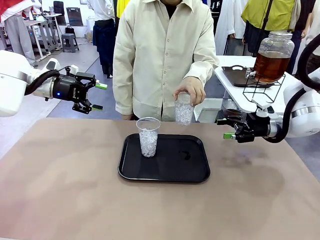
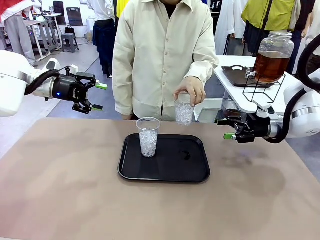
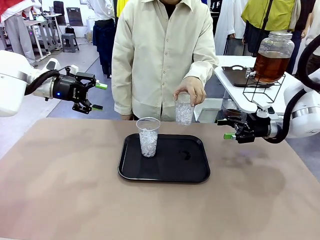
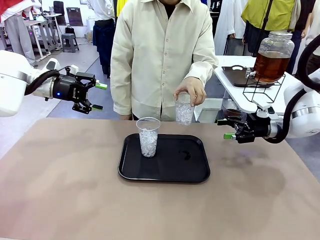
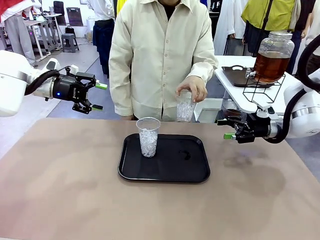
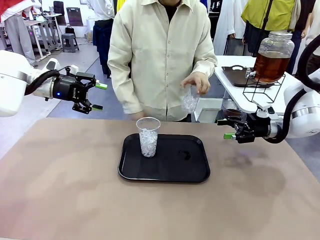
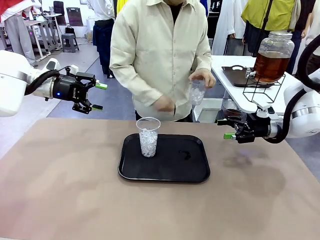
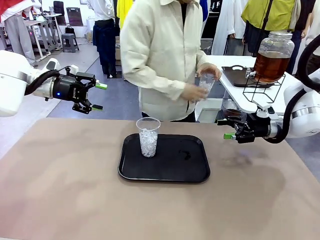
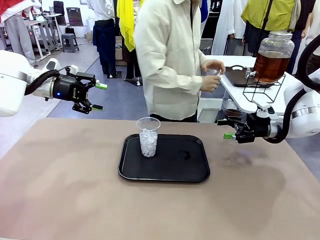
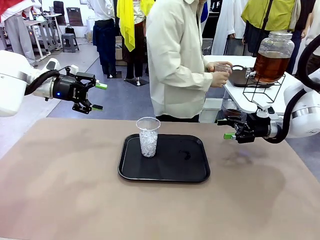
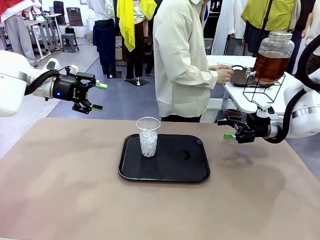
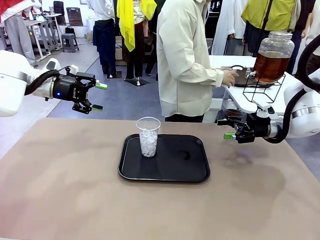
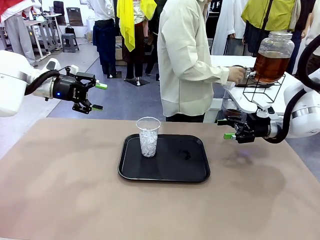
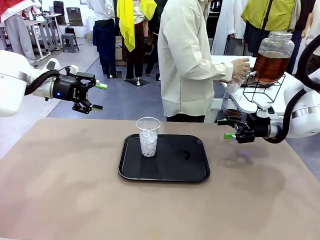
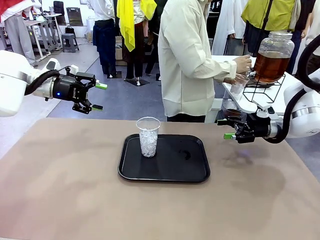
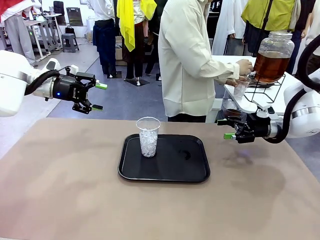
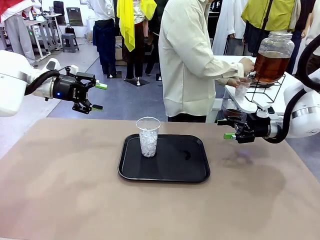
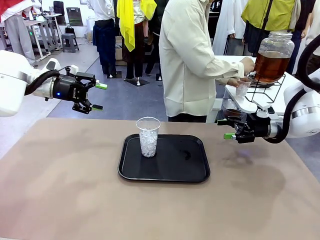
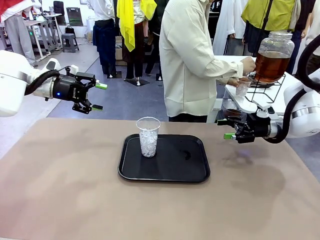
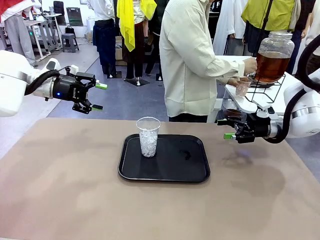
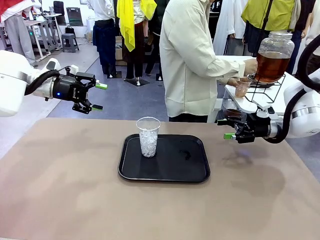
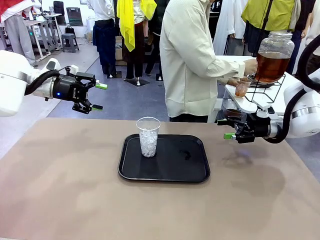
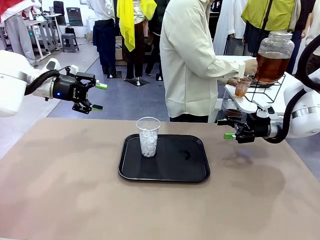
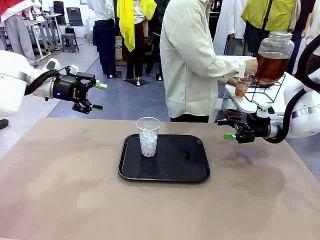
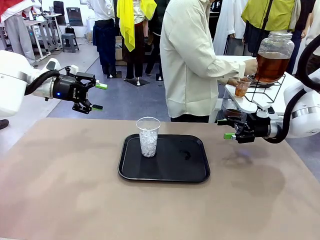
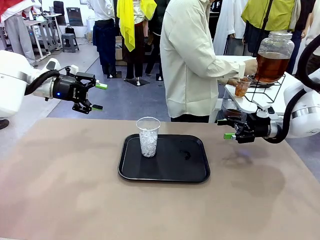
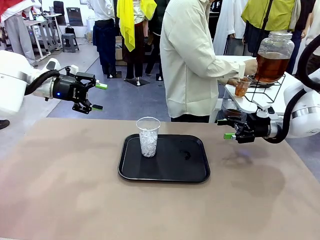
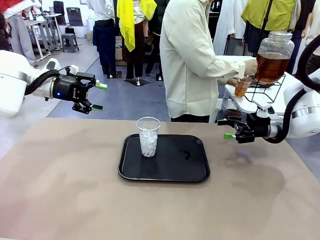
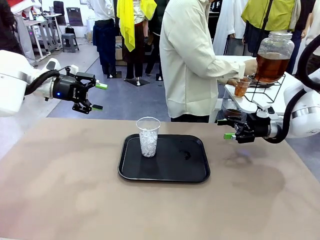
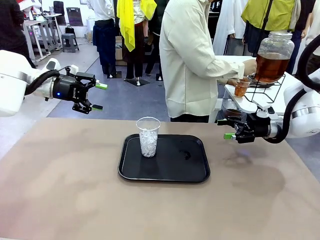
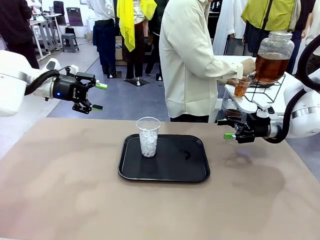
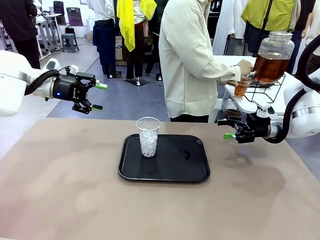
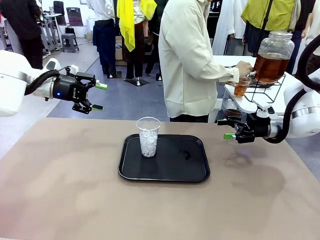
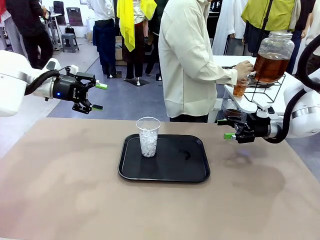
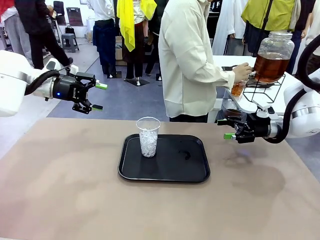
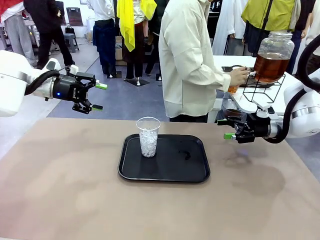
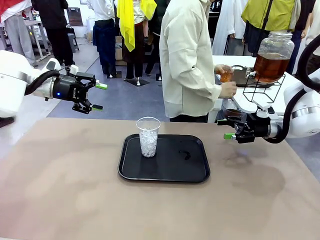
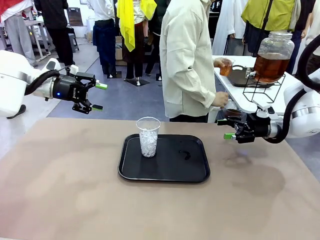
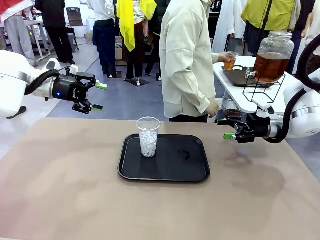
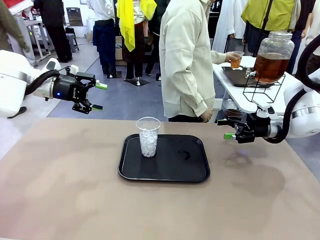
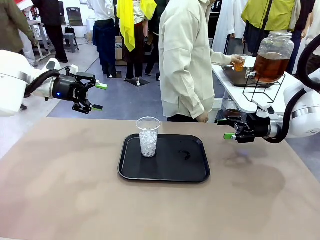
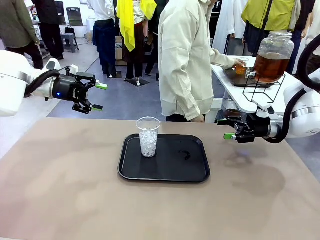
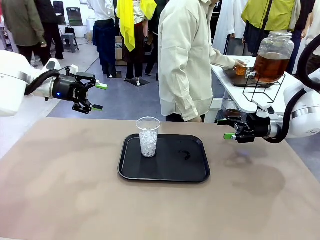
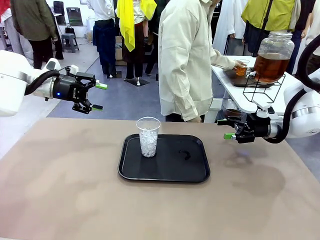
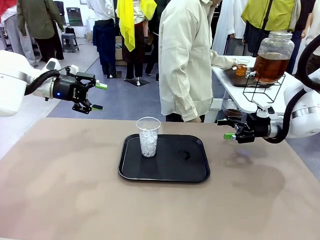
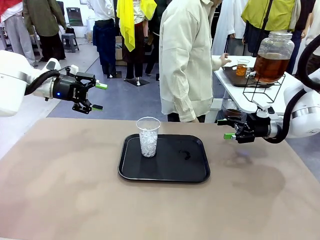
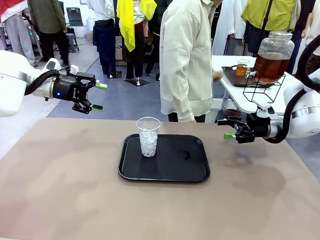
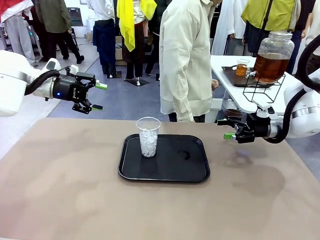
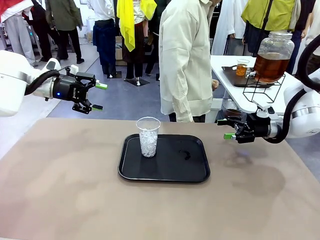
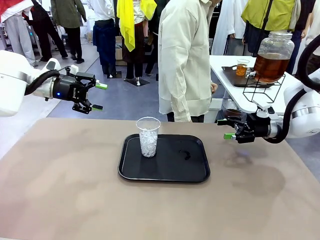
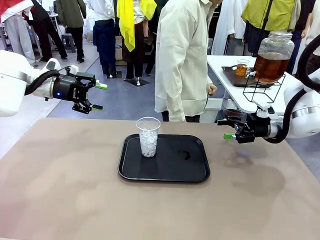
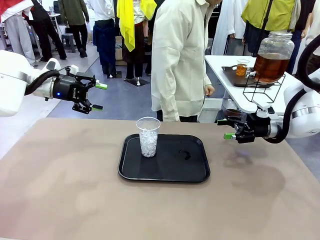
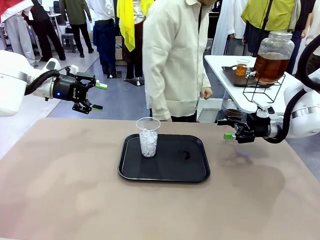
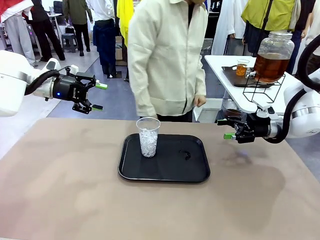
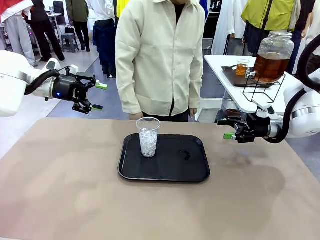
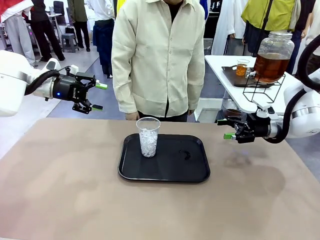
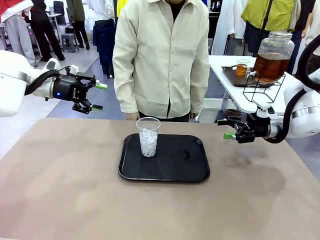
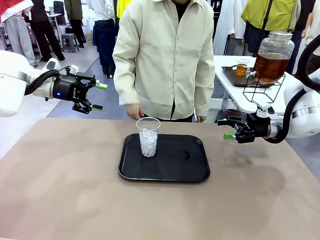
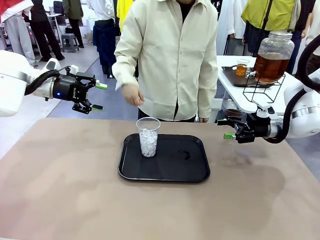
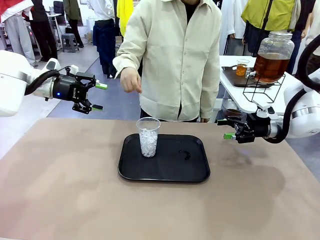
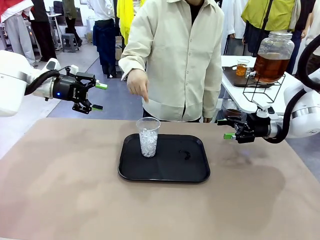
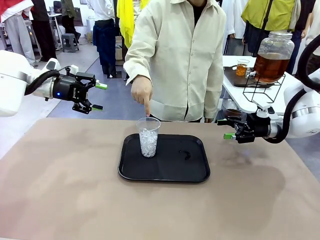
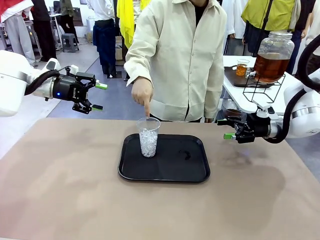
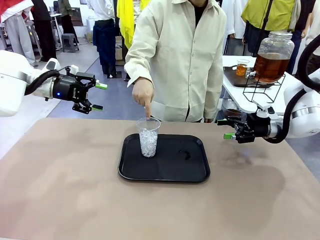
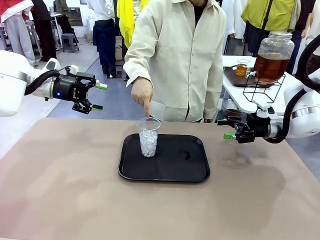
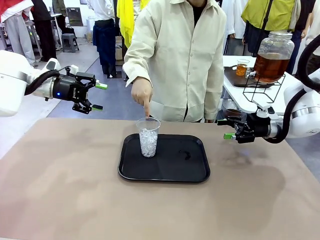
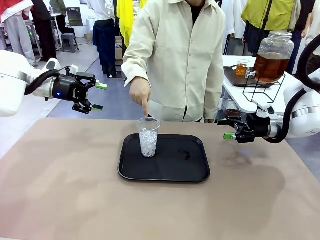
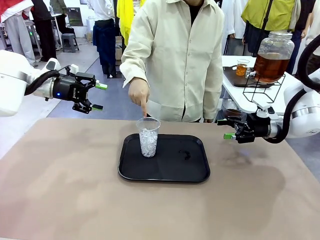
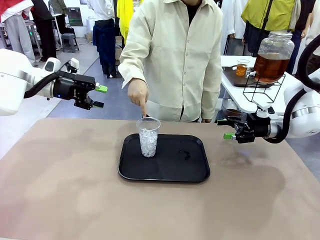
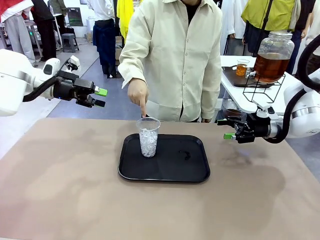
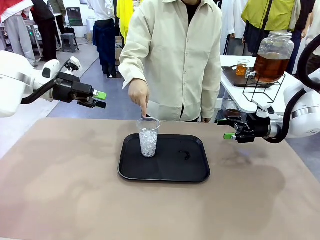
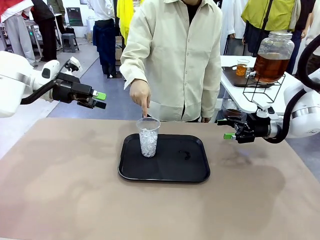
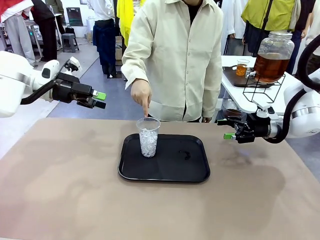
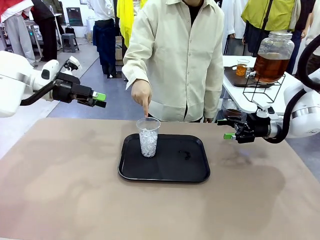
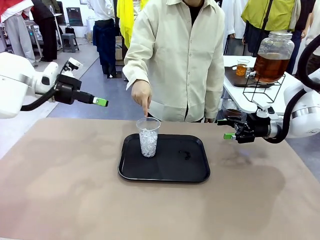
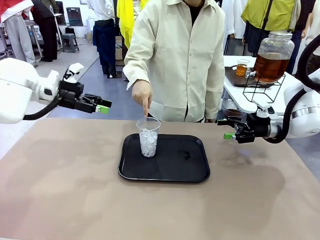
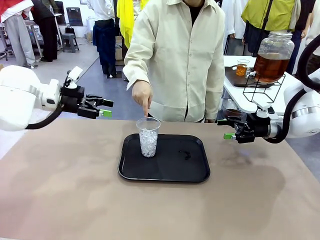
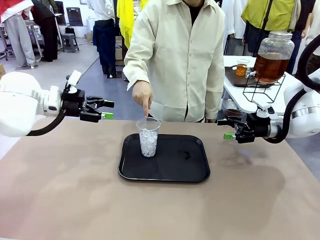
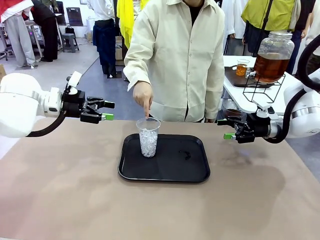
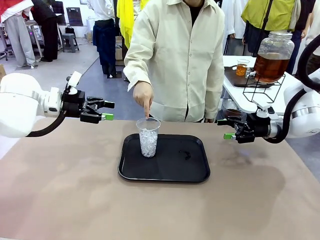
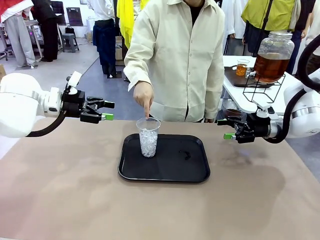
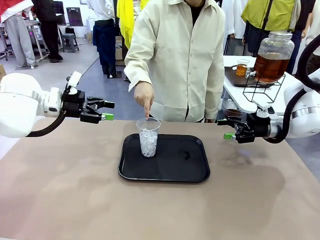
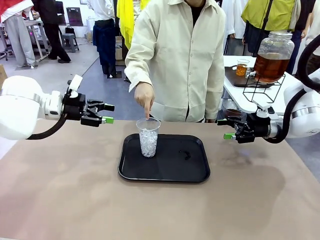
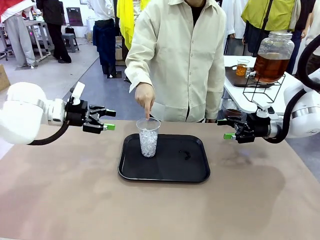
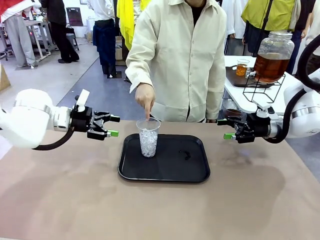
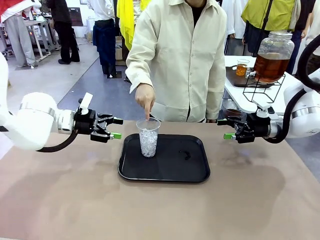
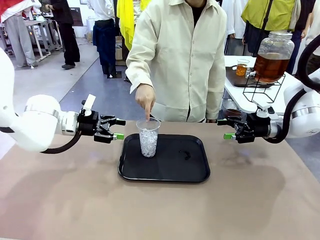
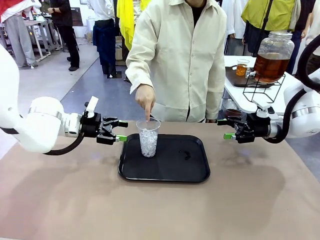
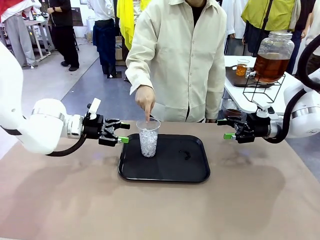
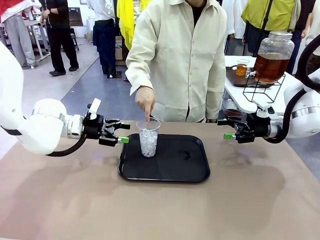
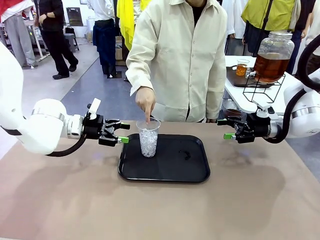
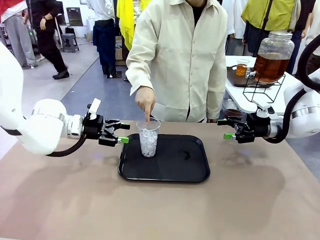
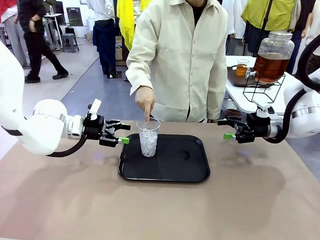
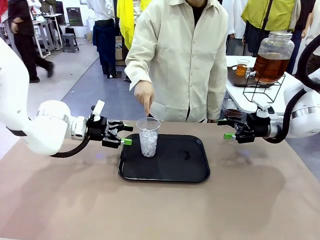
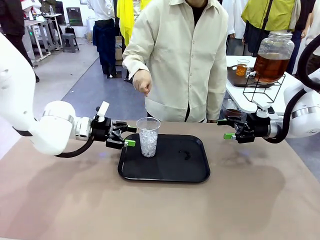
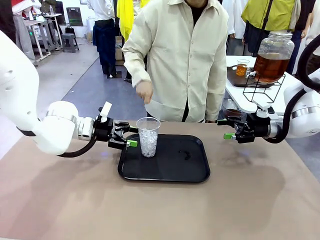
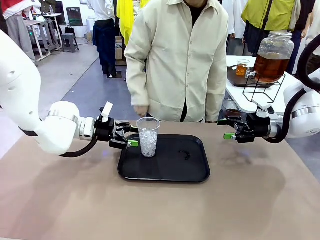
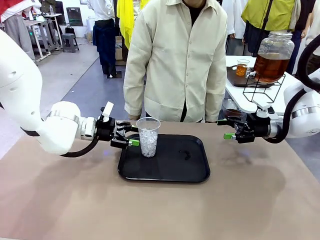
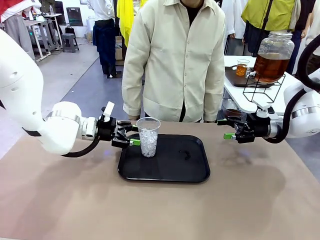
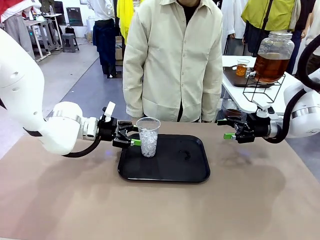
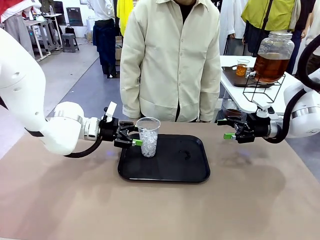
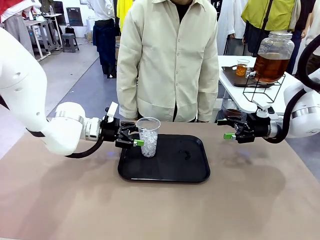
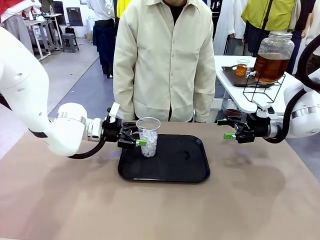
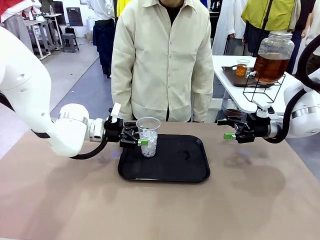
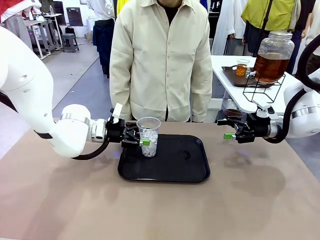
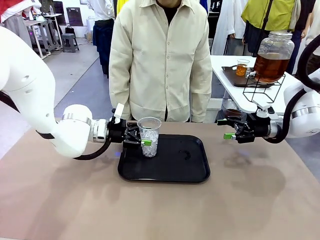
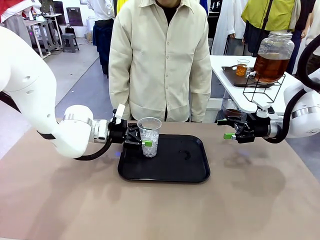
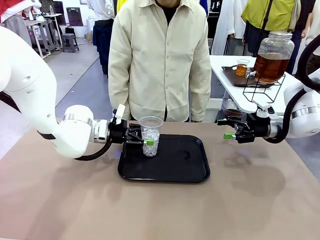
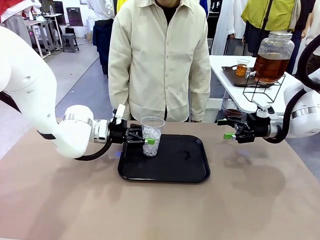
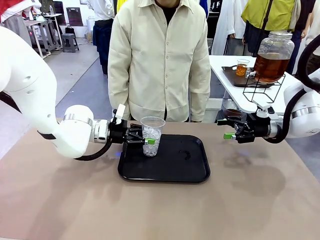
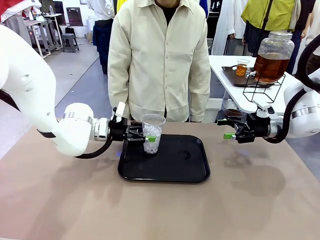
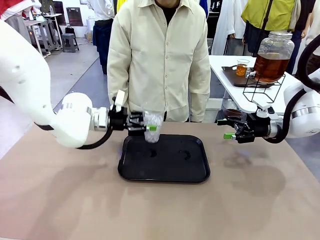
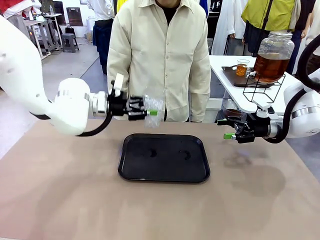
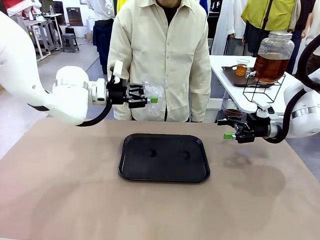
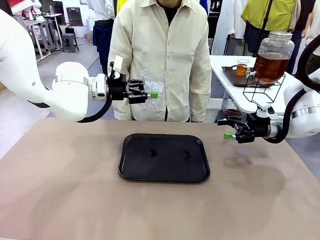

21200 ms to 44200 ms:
Task: Pour the drink into the iced cup.
Robot: Pick up the iced cup indicated by the human and present it to them.
Person: Move the picked-up cup under the dispenser faucet, pour the drink, and place it on the tray on the human table. Point to the remaining ice cup on the robot table. Pick up the cup offered by the robot.
